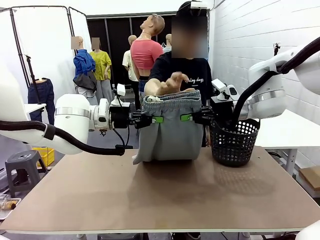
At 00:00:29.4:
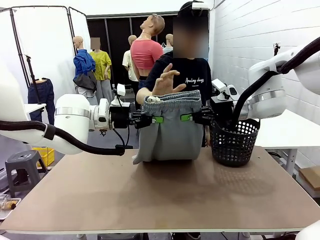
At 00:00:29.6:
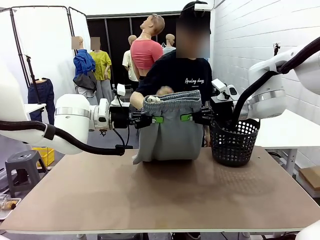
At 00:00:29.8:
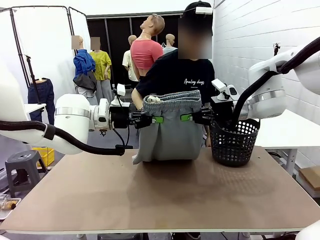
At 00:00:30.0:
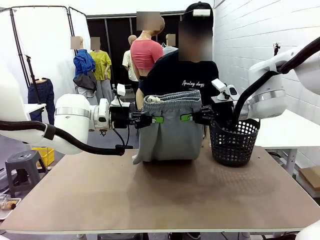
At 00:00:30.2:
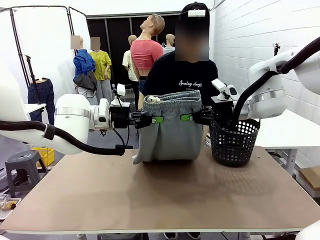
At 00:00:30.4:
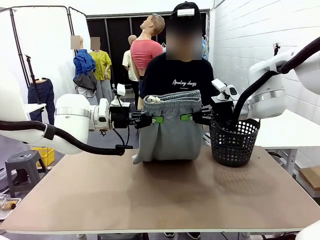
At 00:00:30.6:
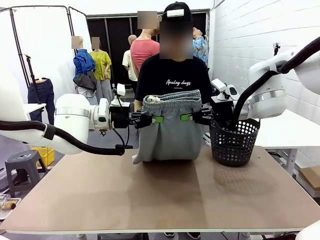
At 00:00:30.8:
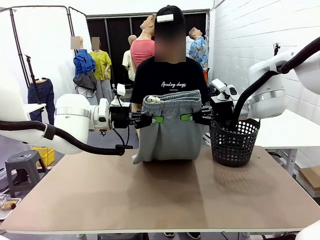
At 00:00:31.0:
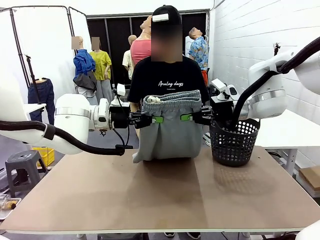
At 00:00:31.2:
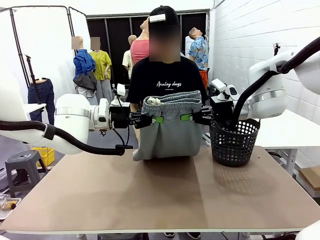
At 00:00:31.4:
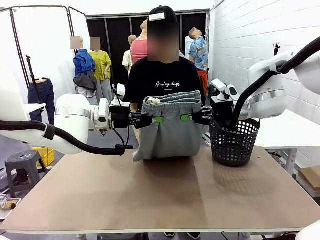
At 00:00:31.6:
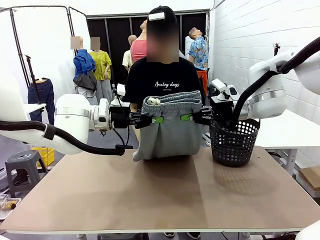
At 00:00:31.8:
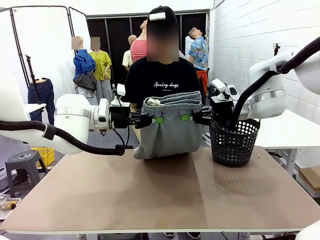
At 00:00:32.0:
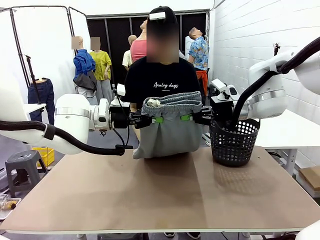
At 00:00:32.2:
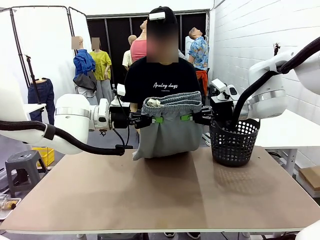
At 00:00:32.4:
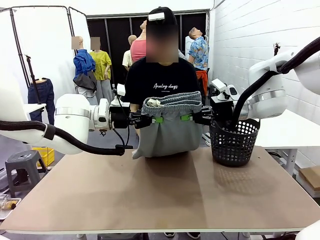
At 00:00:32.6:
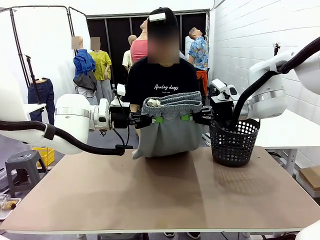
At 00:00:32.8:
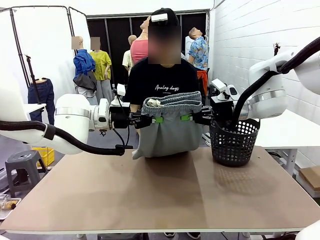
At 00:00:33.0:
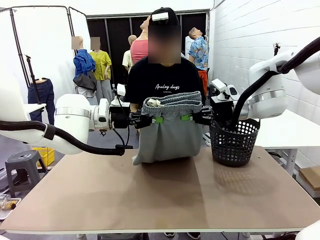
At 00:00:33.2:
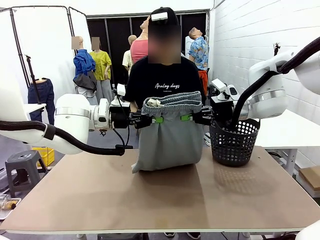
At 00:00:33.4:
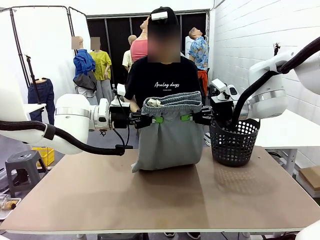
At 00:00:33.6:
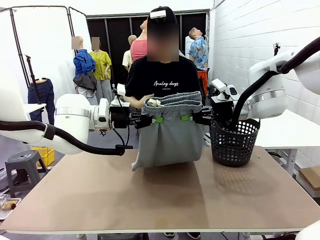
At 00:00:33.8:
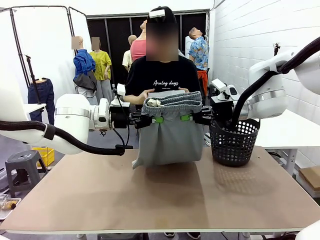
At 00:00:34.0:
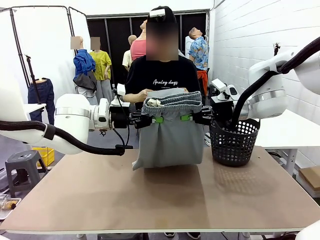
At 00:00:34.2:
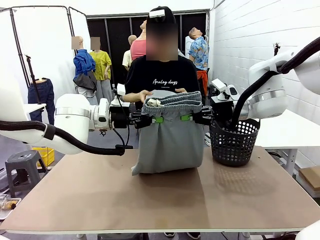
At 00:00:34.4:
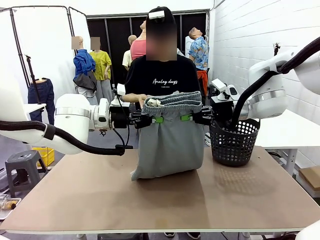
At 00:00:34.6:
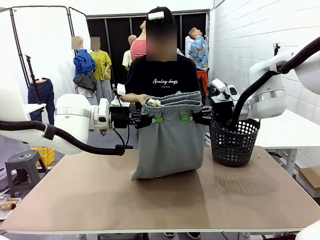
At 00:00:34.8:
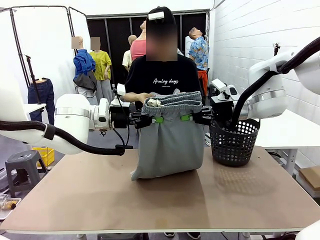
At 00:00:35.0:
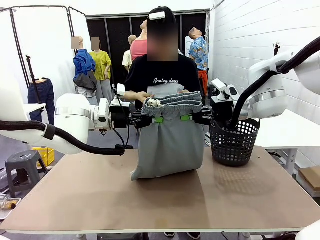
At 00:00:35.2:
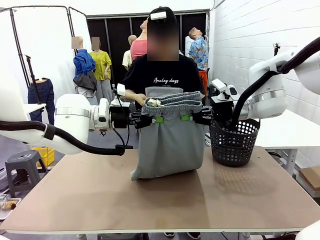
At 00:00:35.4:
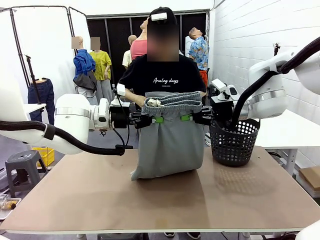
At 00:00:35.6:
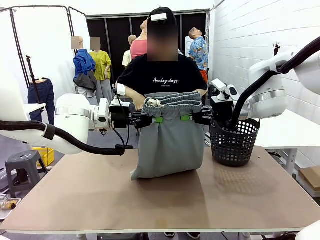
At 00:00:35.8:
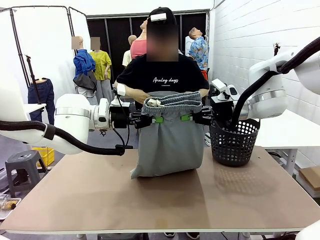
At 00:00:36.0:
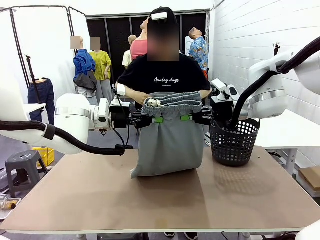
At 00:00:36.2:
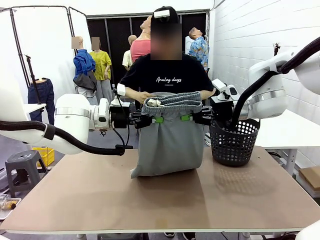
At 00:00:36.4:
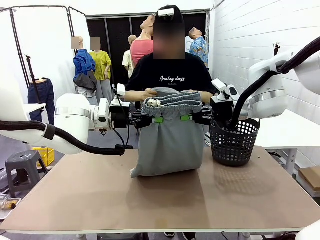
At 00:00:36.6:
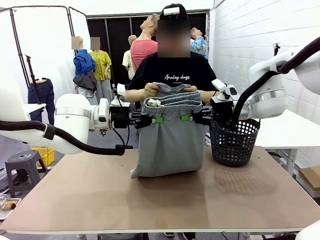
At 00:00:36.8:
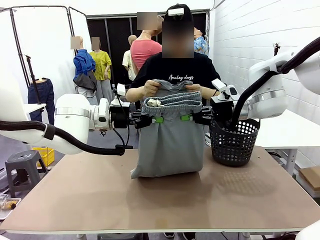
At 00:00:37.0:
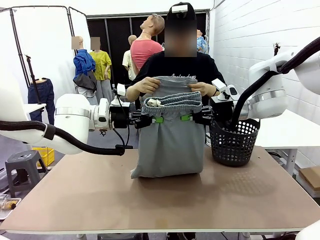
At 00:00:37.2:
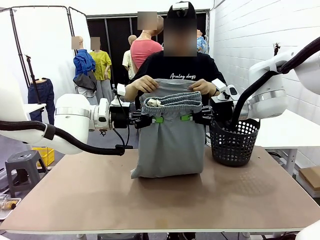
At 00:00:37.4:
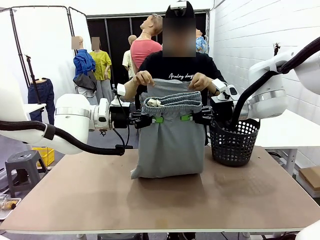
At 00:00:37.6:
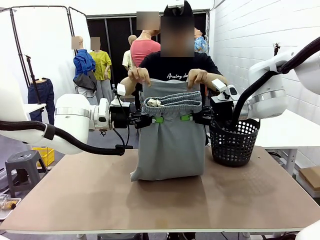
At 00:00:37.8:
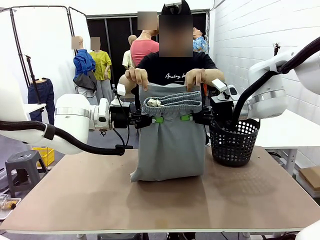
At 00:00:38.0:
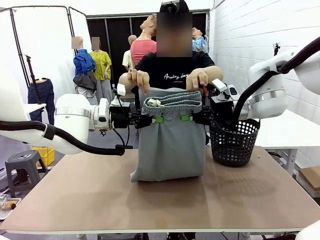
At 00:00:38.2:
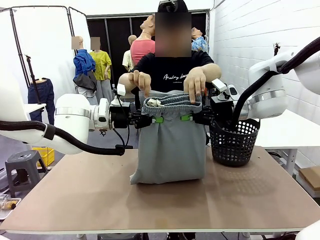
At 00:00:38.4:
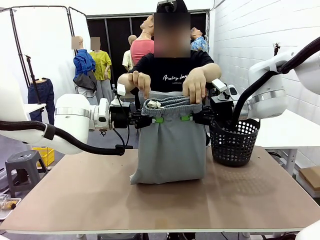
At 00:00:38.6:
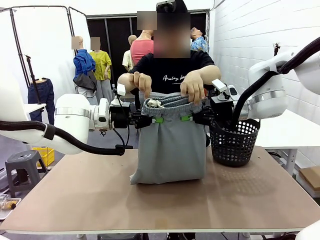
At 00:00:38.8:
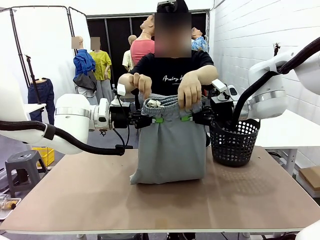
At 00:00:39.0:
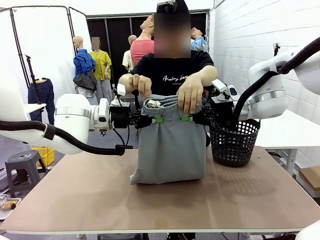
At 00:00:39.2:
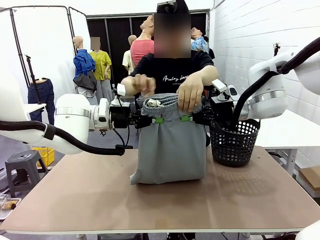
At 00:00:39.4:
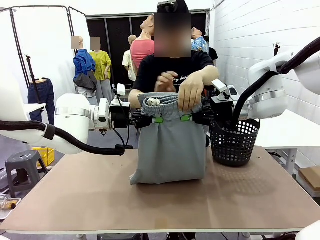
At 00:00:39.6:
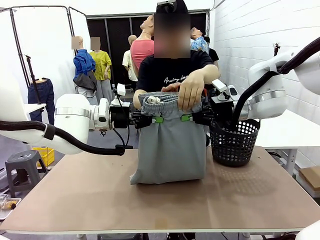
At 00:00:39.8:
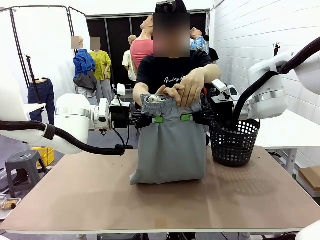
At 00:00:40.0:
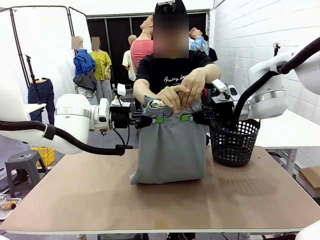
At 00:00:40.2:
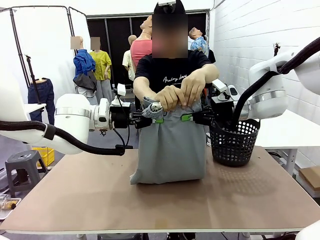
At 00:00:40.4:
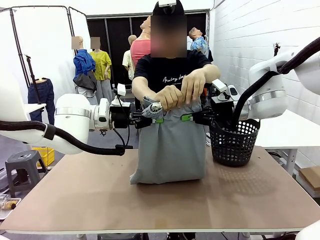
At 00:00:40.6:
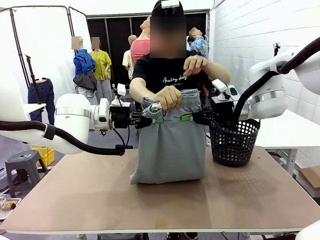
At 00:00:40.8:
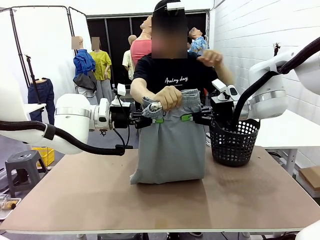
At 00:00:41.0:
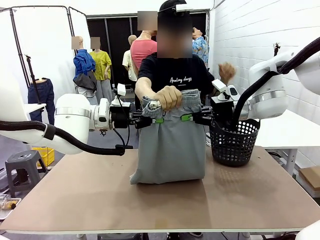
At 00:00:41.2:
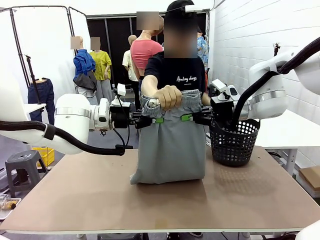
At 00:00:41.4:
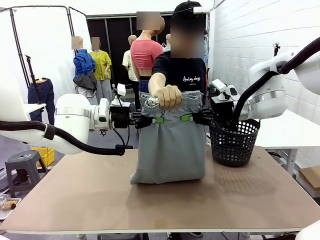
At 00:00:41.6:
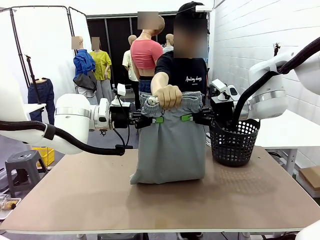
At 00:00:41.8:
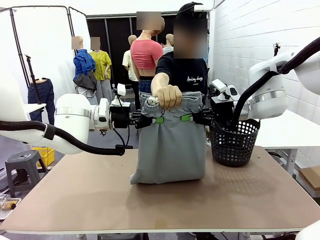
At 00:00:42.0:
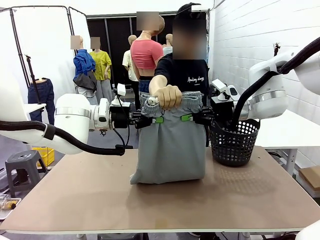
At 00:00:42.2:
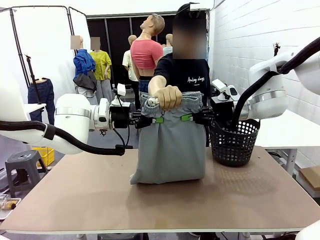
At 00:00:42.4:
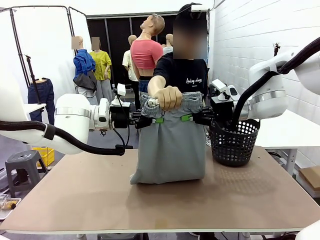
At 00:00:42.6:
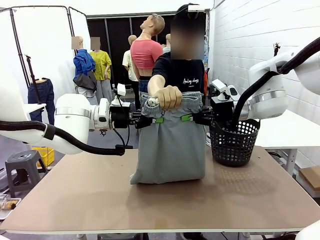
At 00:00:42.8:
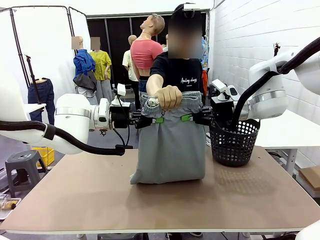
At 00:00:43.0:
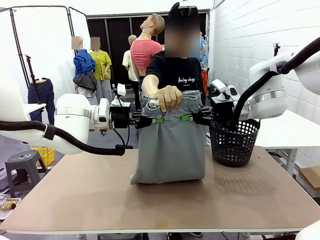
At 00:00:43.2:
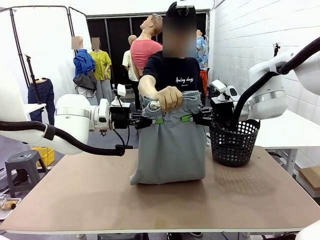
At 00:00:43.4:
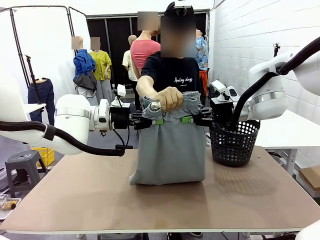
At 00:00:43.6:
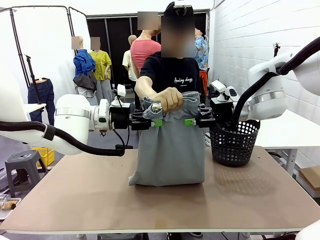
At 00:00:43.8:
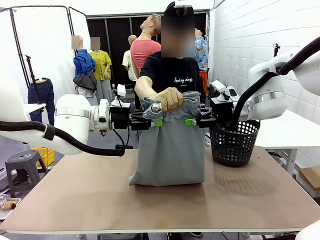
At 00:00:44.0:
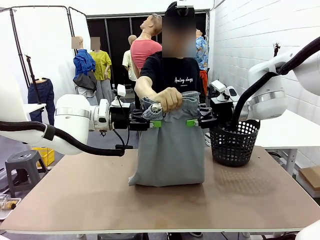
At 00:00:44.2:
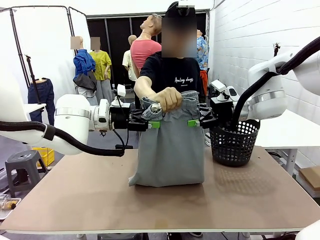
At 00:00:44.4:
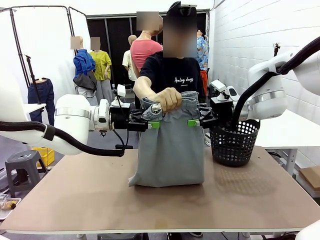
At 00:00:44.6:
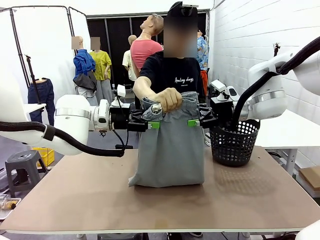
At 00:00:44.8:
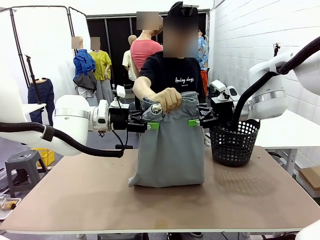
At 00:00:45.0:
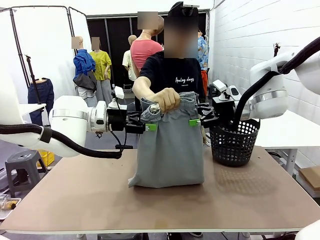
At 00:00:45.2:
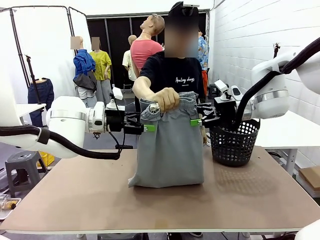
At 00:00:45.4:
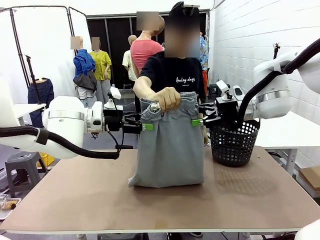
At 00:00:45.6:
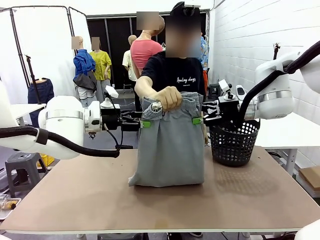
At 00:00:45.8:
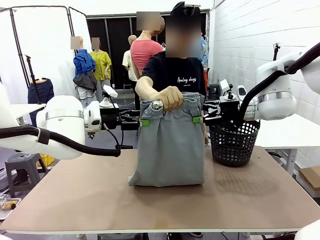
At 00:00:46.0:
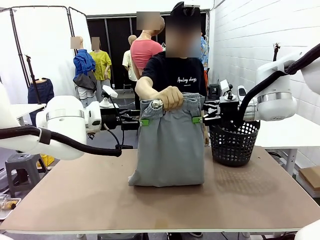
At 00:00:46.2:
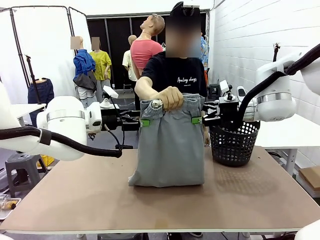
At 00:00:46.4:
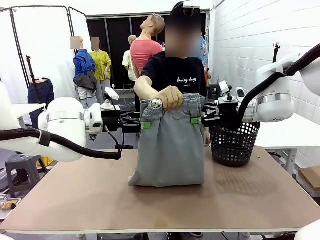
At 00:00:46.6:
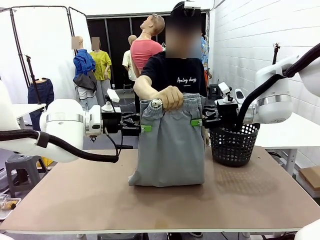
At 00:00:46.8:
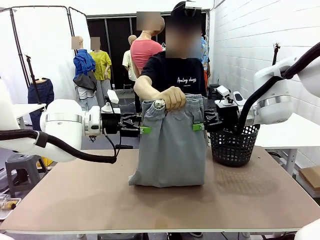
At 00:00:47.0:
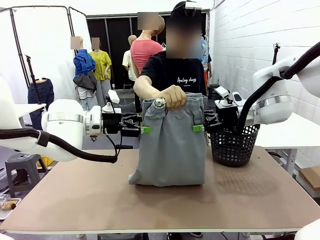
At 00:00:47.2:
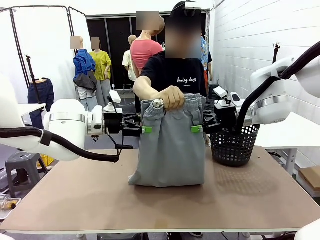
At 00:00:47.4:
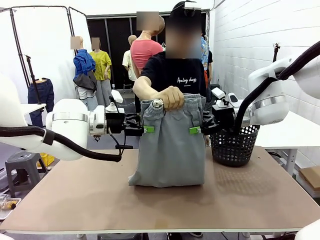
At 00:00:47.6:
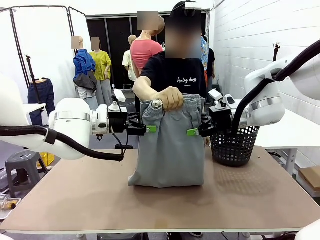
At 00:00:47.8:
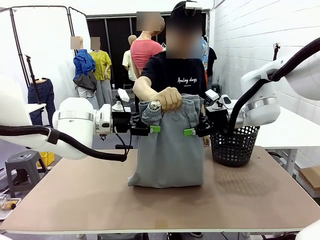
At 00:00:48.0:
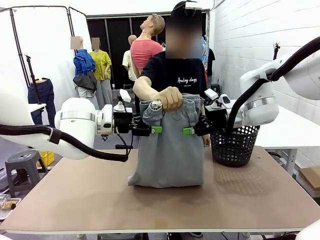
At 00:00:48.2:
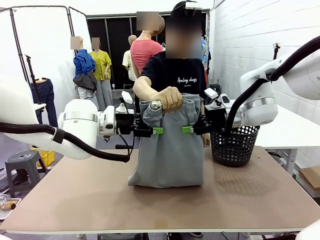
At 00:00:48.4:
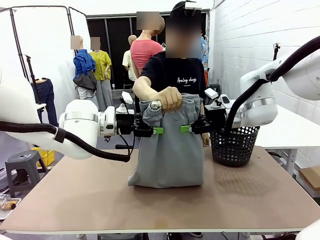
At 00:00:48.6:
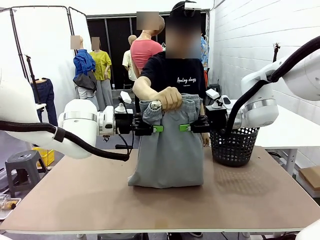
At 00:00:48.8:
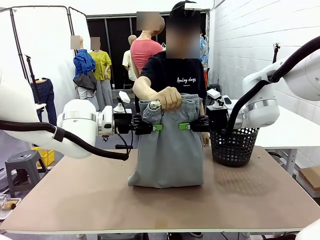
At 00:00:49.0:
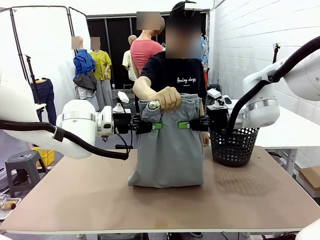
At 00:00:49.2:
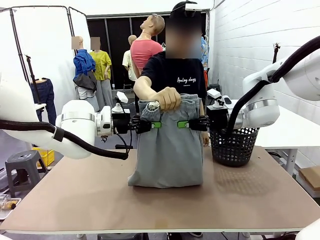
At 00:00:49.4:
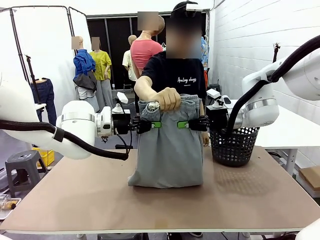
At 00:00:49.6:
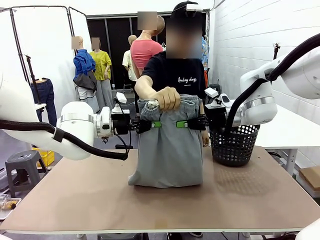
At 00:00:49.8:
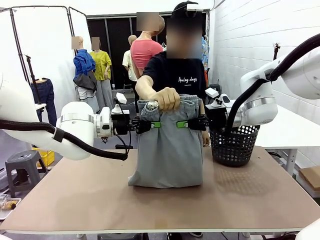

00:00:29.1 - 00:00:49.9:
Task: Fold the training pants.
Robot: Release the ends of the Training pants and then grab the overlapped ends.
Person: Grasp the end opposite the point the robot is holding, fold the pants in half, and then grasp the overlapping top end of the folded pants. Release the pants you were holding.
